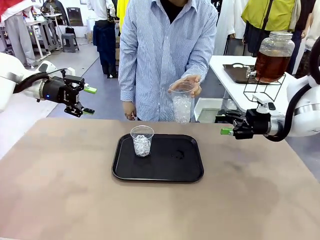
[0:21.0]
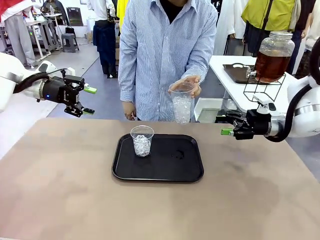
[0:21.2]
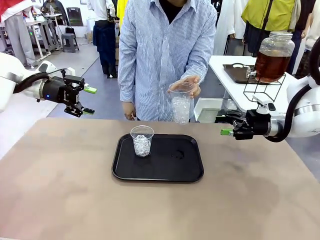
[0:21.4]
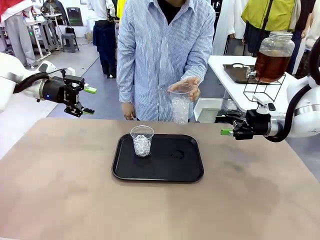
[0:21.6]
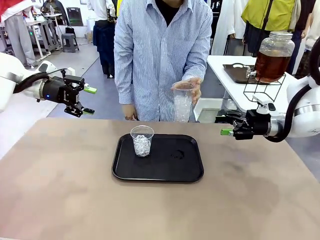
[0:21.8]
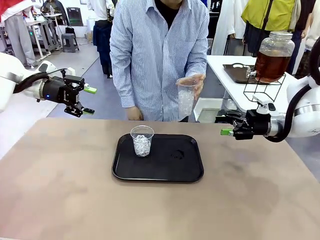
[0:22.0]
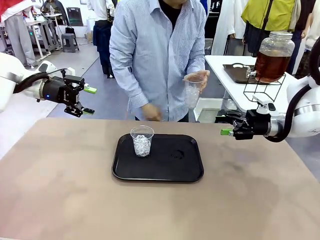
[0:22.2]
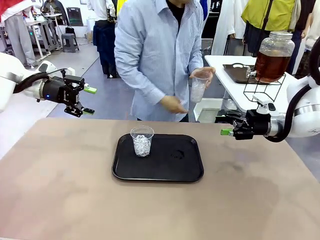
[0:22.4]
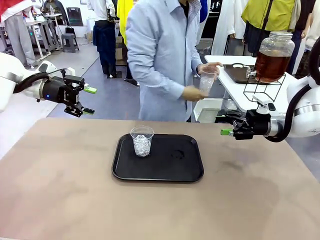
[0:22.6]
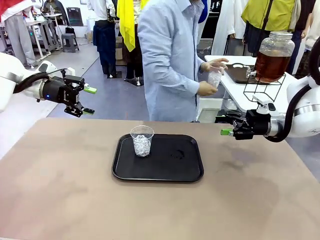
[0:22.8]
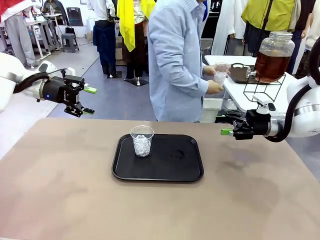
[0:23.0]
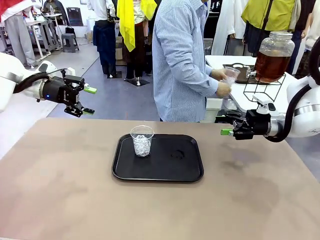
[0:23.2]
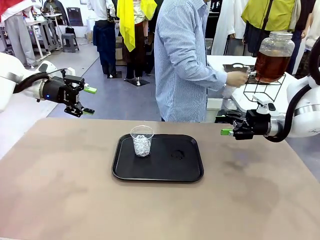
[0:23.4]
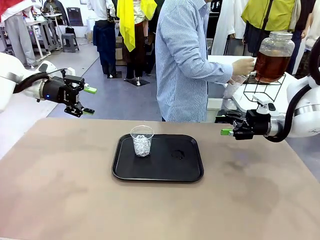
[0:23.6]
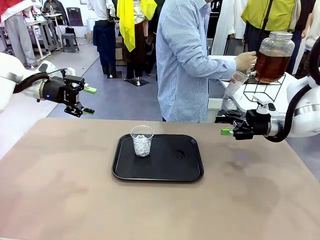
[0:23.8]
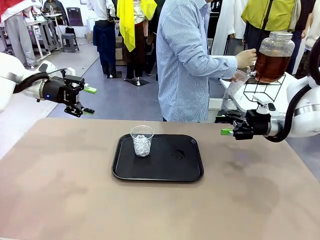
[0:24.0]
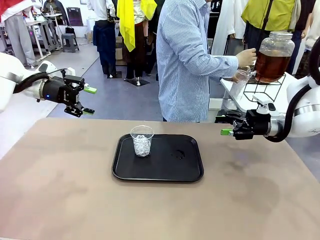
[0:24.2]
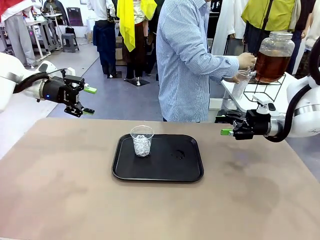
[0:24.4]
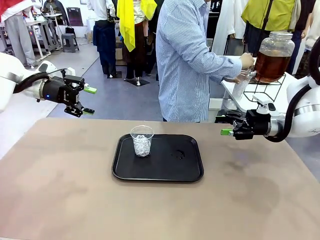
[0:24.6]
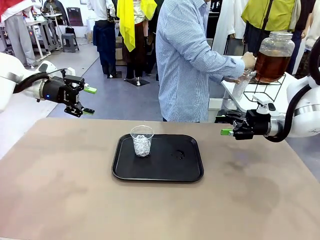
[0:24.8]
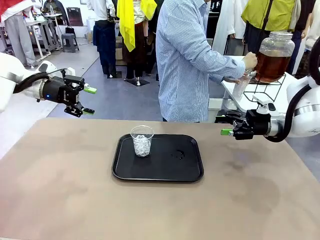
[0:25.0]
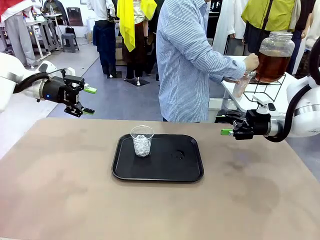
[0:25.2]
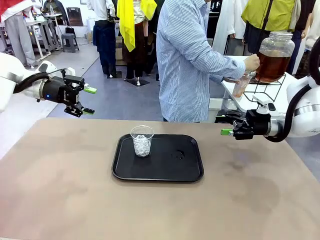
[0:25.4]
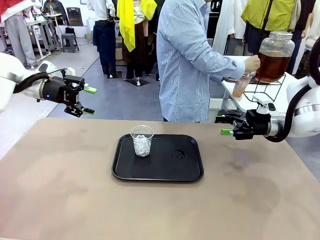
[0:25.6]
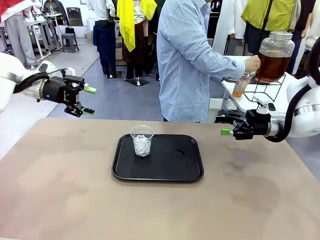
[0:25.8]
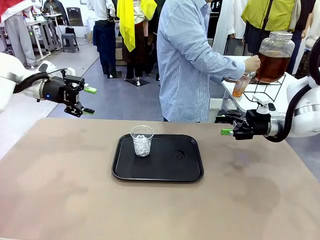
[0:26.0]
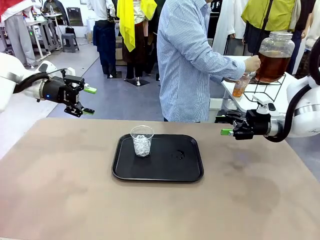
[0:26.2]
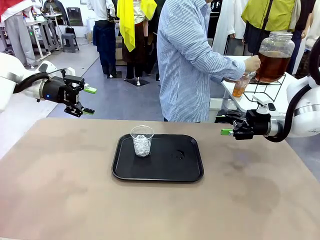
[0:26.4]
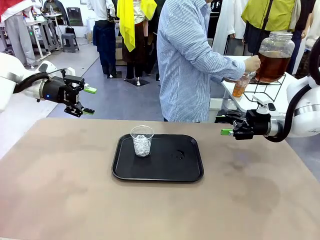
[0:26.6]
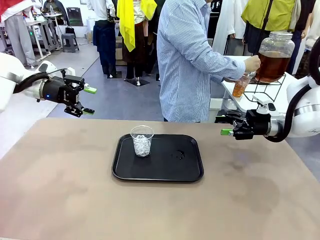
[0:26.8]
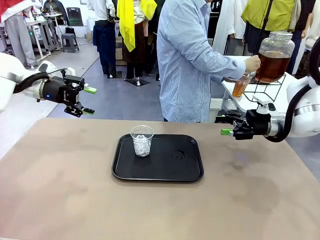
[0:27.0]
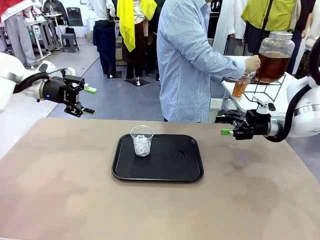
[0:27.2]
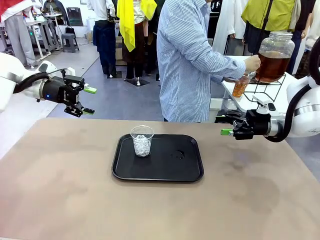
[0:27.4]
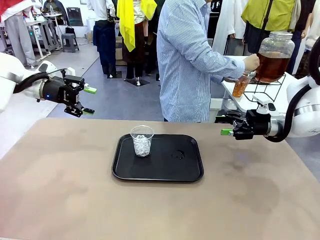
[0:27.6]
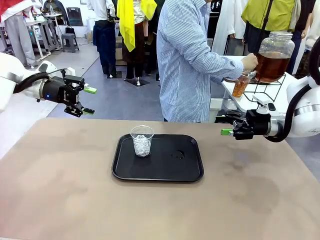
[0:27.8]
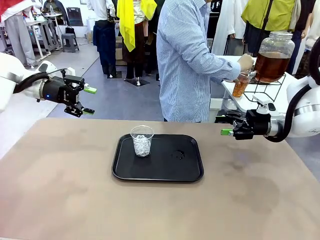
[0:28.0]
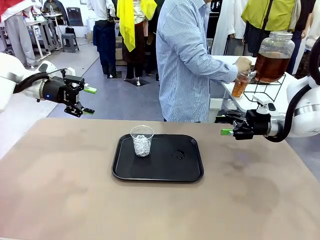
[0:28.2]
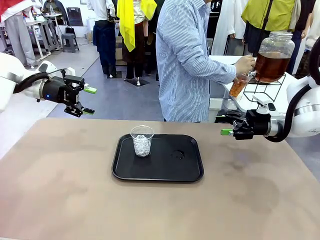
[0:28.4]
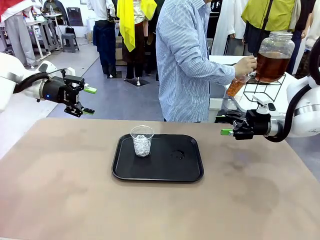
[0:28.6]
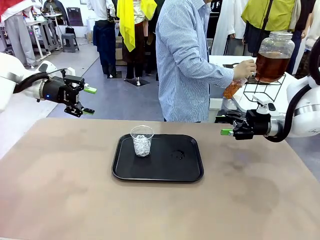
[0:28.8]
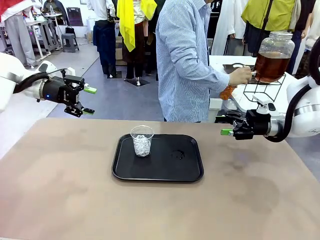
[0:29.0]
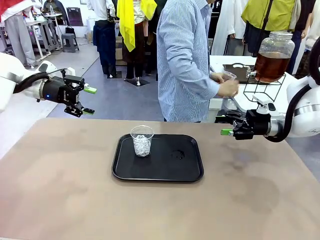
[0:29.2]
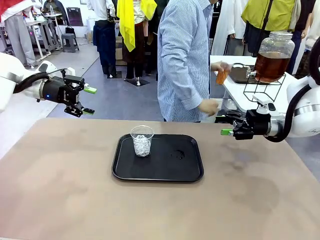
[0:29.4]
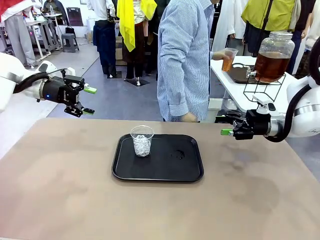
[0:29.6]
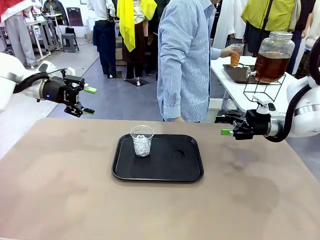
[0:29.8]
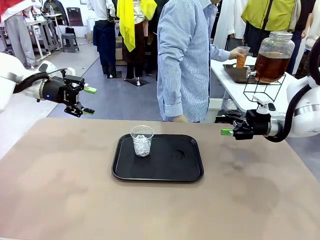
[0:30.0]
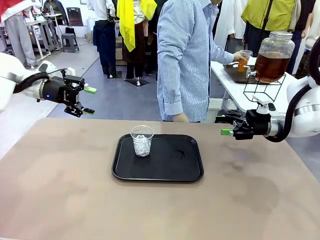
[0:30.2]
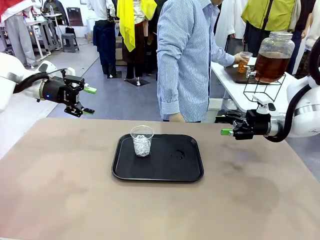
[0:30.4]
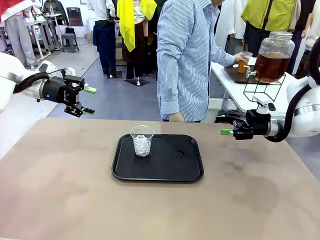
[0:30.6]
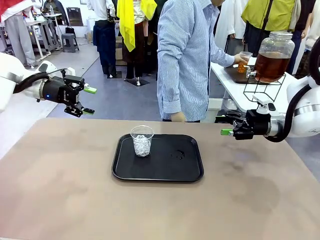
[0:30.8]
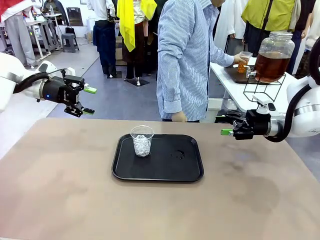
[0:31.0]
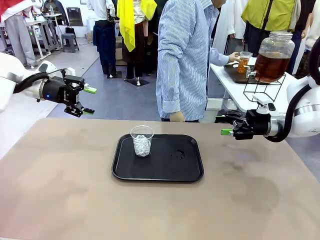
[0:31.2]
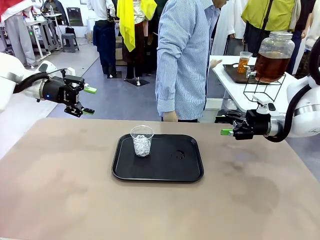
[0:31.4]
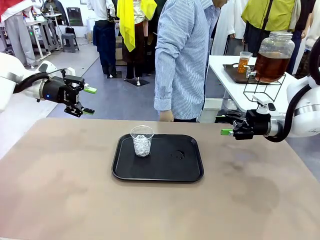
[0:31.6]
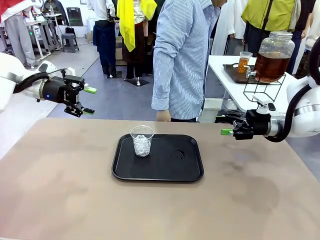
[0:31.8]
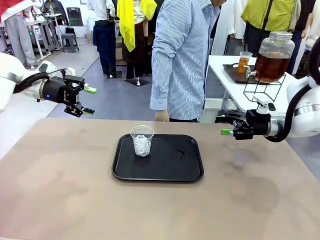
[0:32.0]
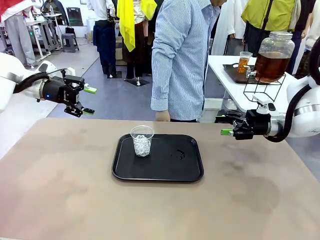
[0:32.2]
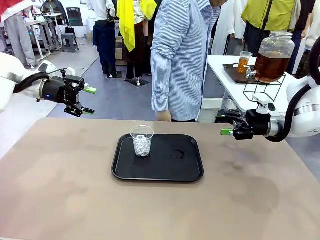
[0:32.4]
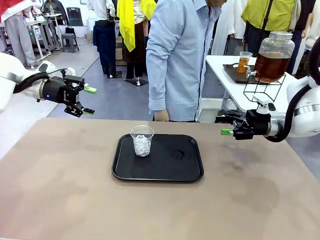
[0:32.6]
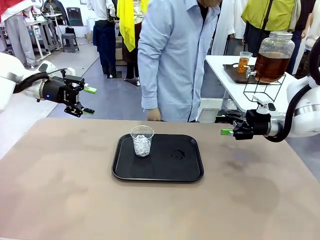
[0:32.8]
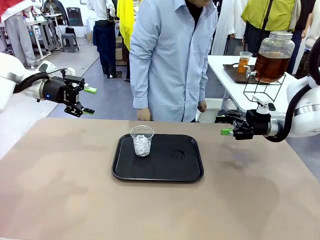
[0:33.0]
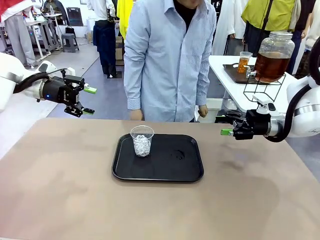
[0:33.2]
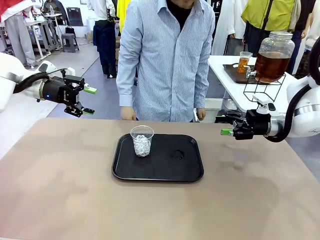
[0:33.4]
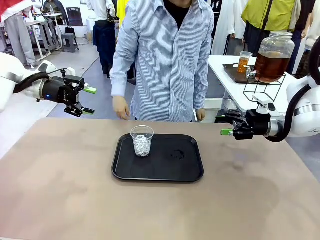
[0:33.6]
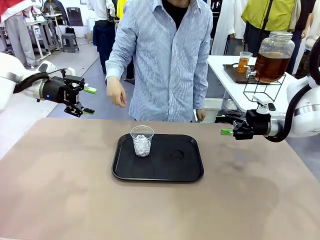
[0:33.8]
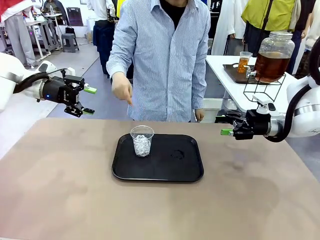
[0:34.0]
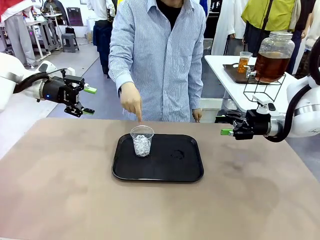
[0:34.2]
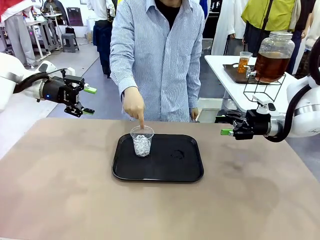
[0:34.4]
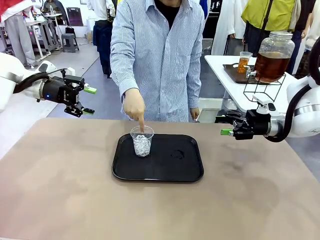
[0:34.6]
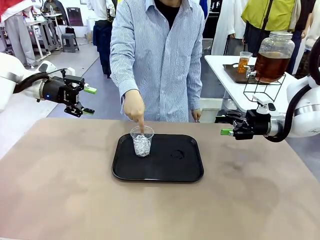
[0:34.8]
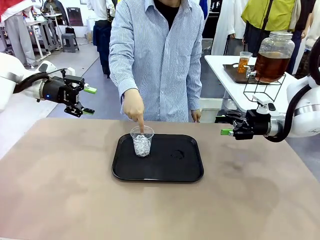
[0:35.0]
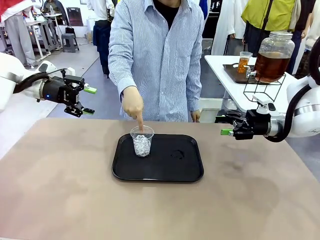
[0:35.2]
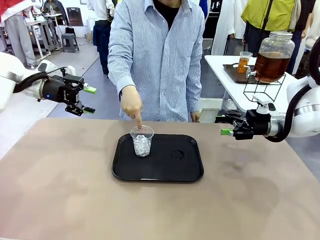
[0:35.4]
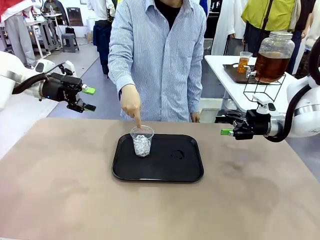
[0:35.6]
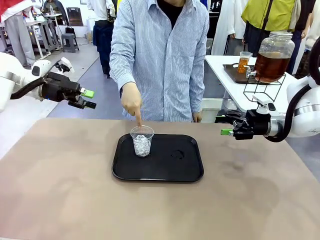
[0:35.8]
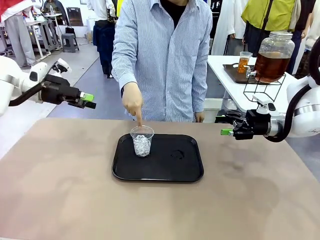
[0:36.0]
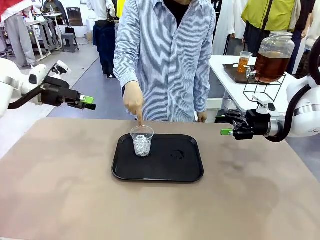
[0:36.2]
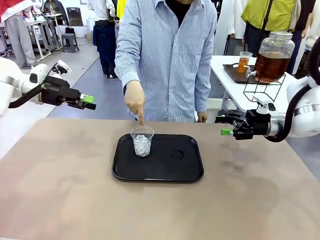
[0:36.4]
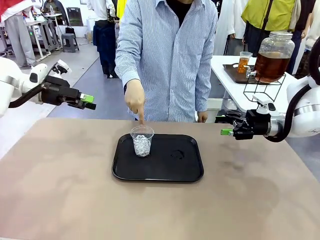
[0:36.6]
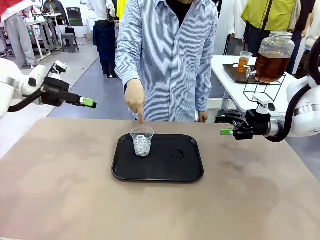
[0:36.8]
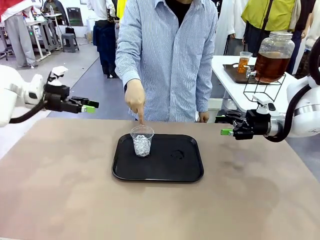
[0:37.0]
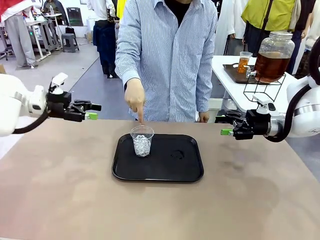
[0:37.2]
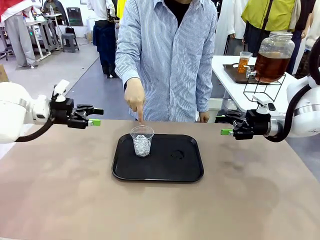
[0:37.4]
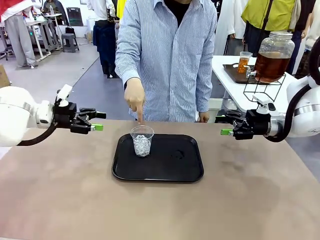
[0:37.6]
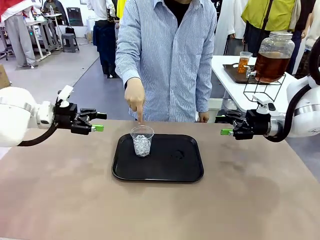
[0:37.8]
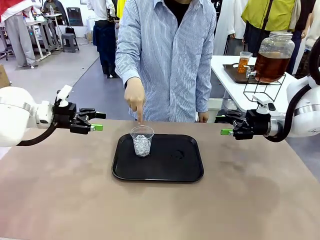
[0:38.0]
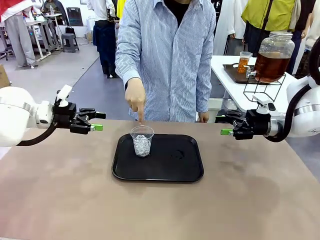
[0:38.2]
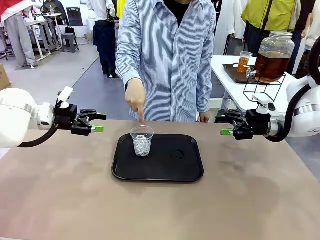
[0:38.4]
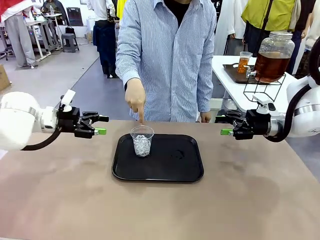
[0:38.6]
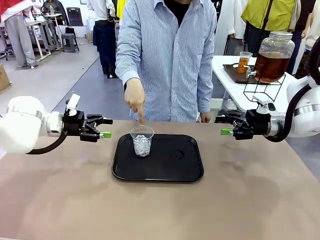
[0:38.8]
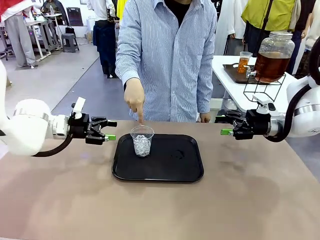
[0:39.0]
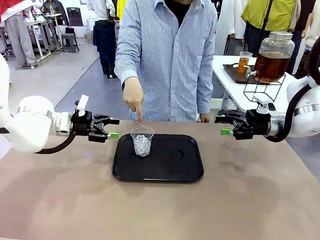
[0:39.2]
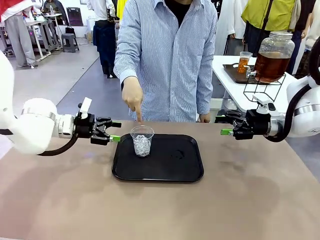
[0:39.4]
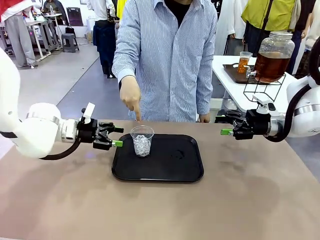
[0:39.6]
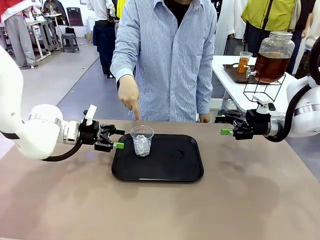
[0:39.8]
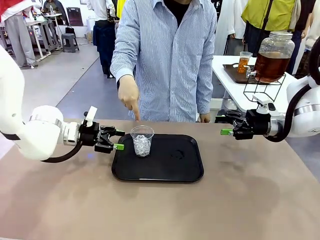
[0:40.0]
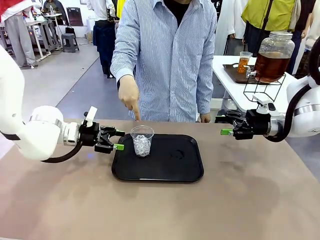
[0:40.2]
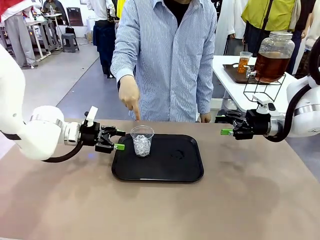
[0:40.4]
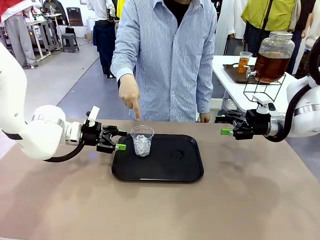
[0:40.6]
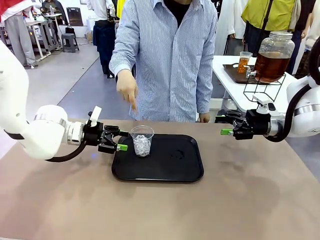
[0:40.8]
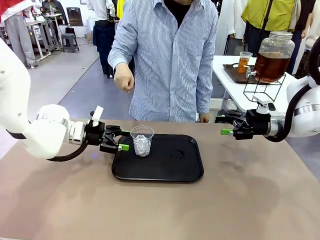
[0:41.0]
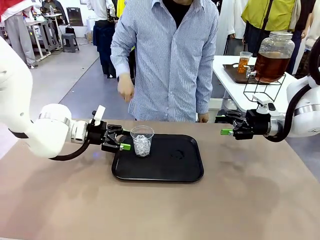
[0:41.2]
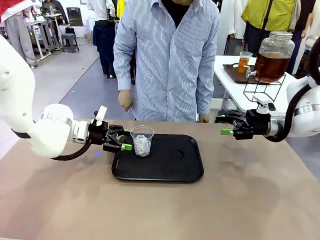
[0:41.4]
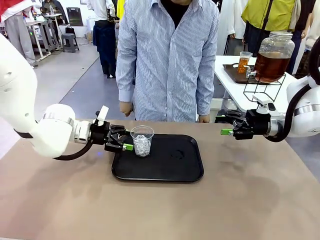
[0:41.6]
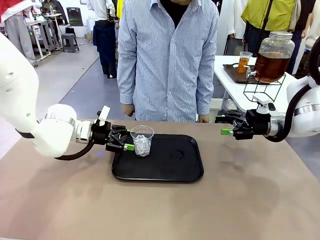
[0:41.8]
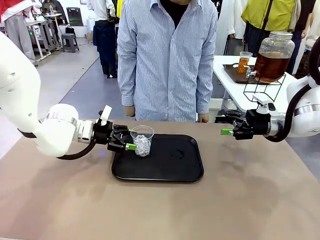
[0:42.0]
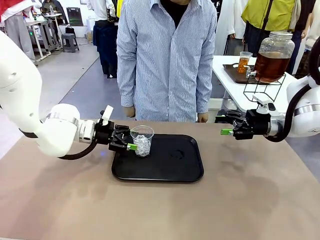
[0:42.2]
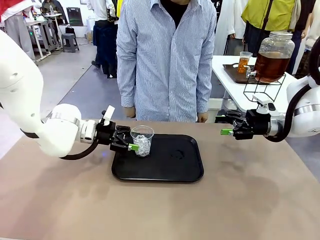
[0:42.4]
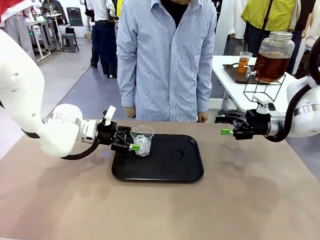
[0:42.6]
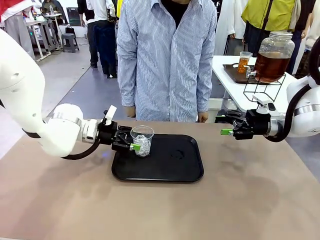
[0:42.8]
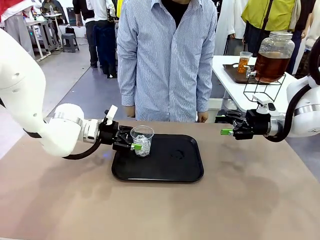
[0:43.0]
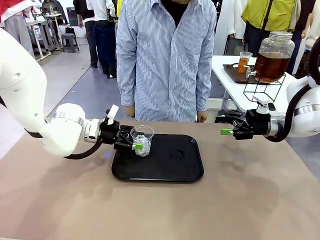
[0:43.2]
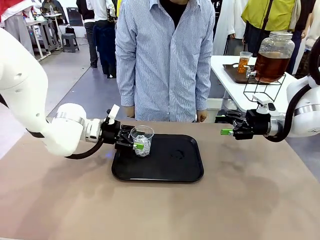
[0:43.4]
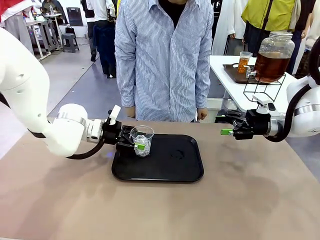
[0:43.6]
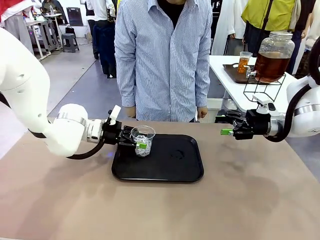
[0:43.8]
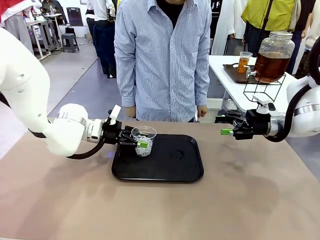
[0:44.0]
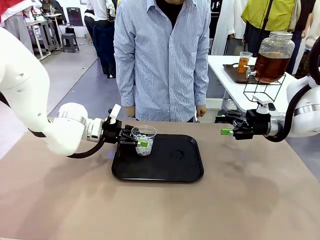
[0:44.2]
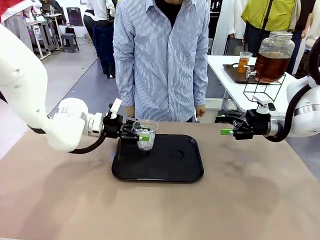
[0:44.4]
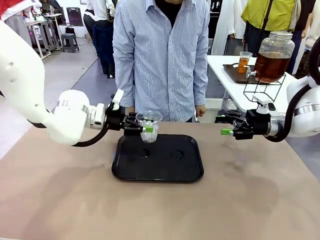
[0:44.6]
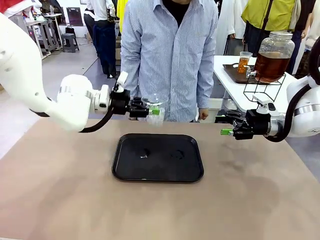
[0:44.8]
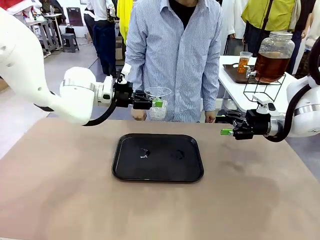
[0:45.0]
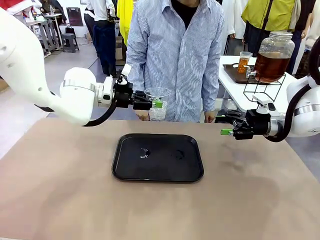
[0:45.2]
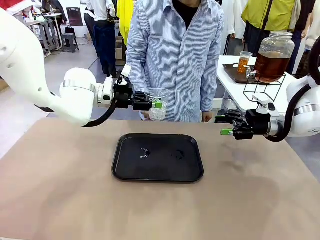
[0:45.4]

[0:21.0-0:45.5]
Task: Pour the drink into the iced cup.
Robot: Pick up the iced cup indicated by the human and present it to them.
Person: Move the picked-up cup under the dispenser faucet, pour the drink, and place it on the tray on the human table. Point to the remaining ice cup on the robot table. Pick up the cup offered by the robot.
